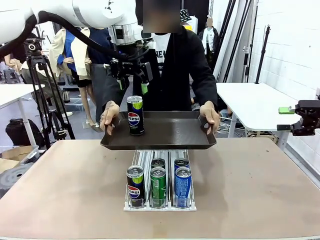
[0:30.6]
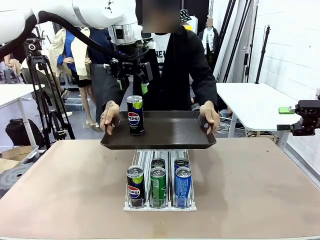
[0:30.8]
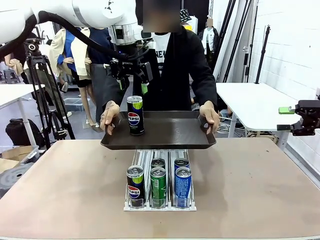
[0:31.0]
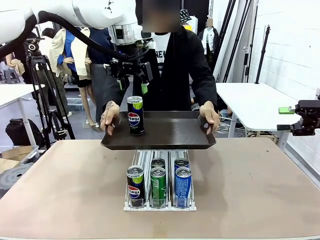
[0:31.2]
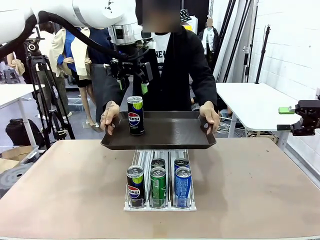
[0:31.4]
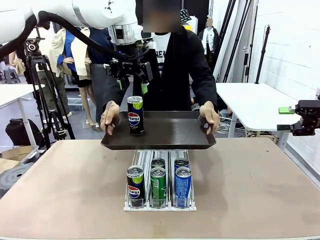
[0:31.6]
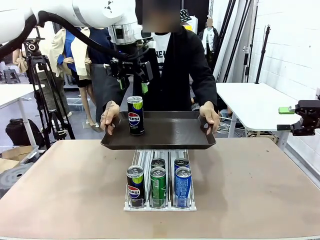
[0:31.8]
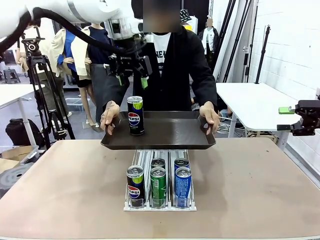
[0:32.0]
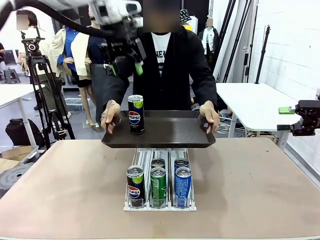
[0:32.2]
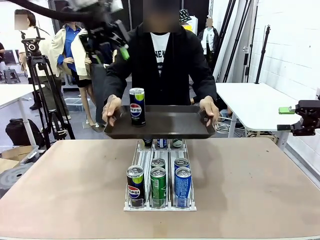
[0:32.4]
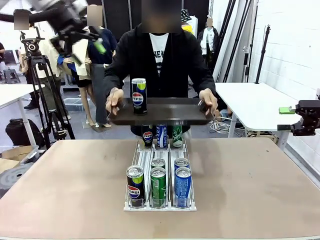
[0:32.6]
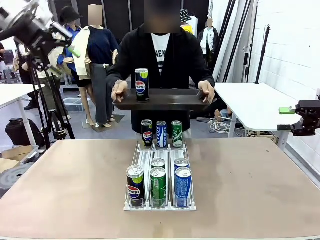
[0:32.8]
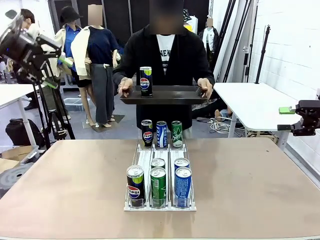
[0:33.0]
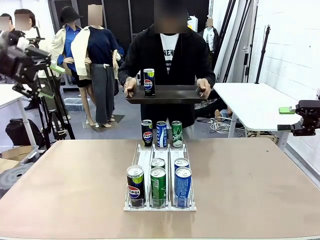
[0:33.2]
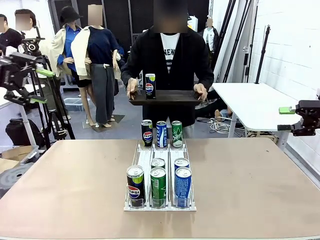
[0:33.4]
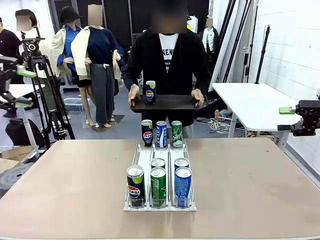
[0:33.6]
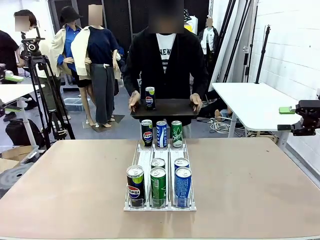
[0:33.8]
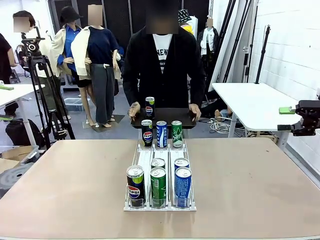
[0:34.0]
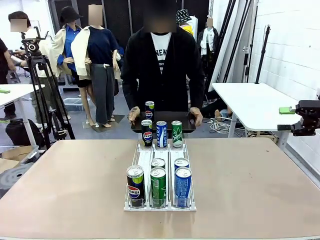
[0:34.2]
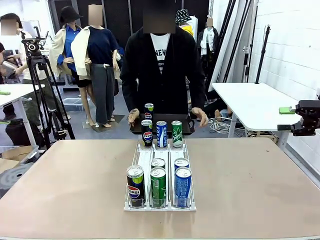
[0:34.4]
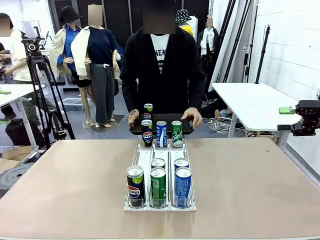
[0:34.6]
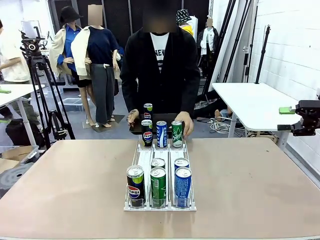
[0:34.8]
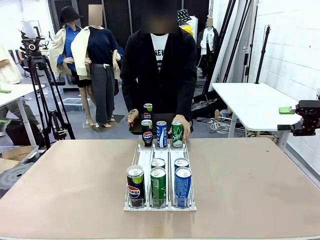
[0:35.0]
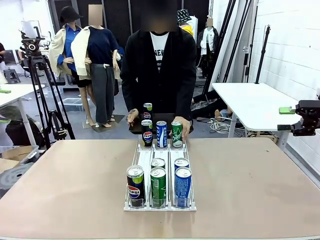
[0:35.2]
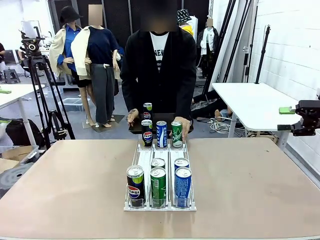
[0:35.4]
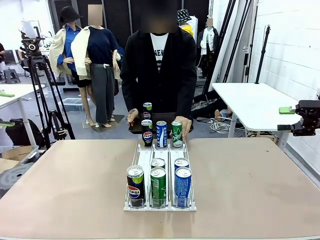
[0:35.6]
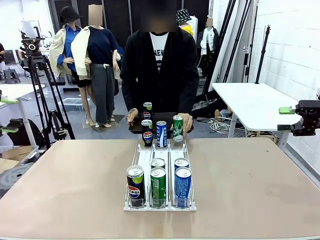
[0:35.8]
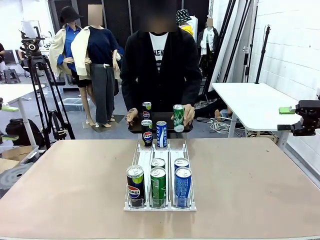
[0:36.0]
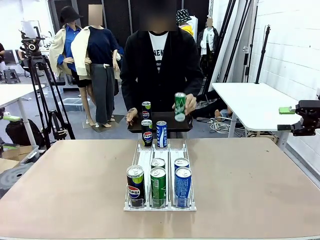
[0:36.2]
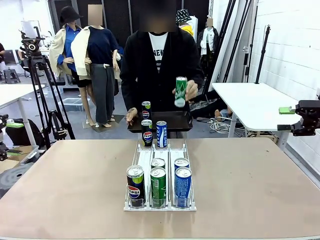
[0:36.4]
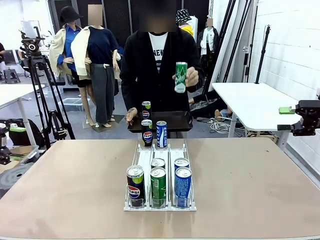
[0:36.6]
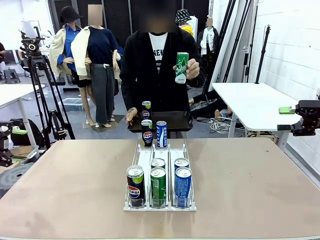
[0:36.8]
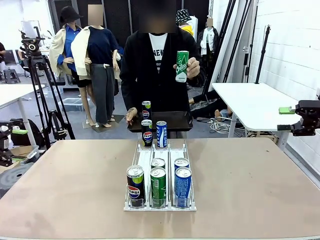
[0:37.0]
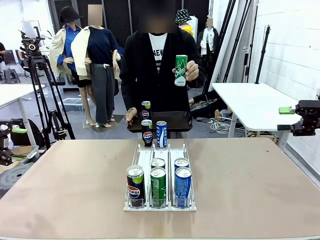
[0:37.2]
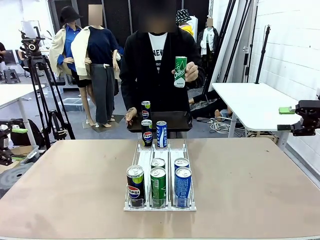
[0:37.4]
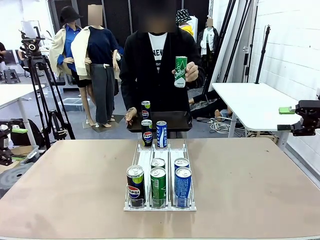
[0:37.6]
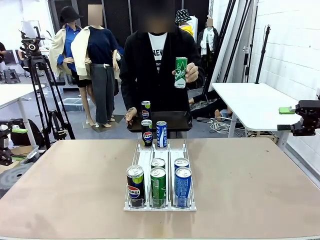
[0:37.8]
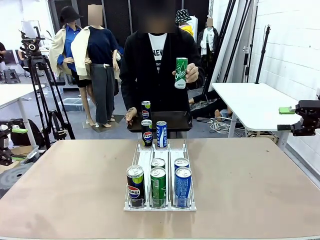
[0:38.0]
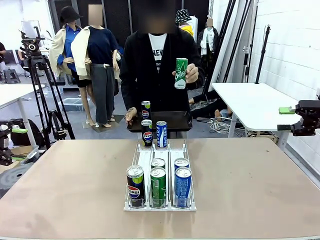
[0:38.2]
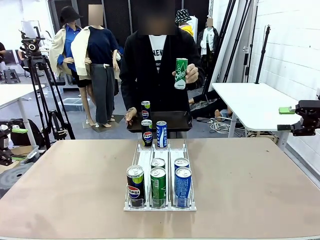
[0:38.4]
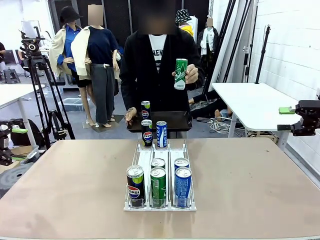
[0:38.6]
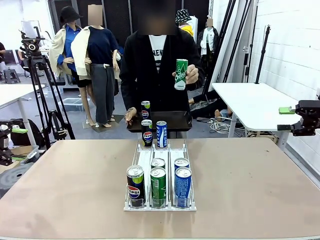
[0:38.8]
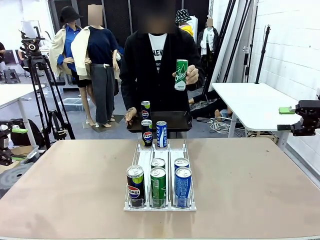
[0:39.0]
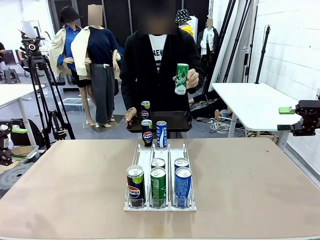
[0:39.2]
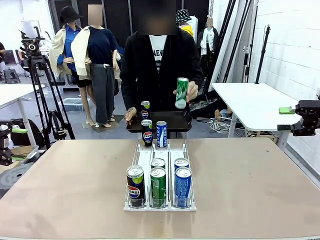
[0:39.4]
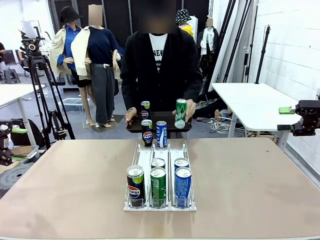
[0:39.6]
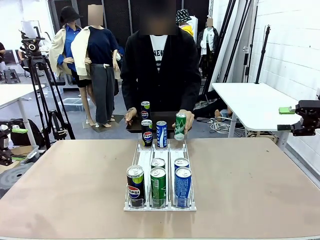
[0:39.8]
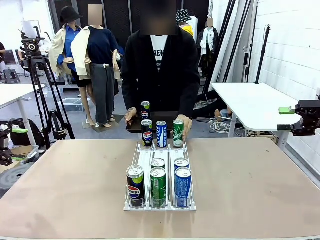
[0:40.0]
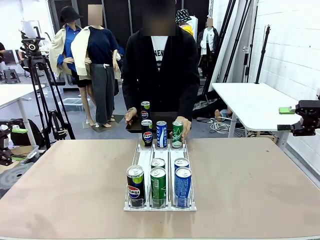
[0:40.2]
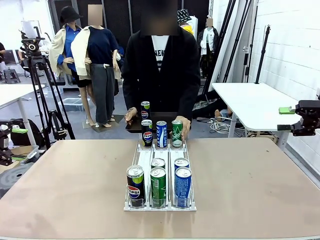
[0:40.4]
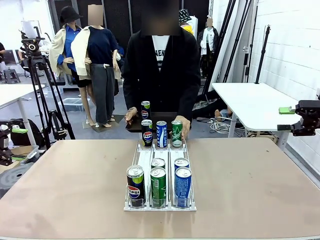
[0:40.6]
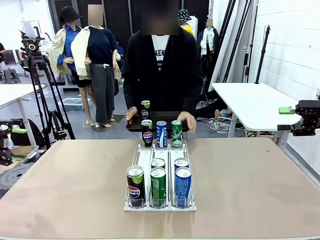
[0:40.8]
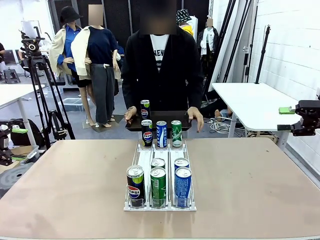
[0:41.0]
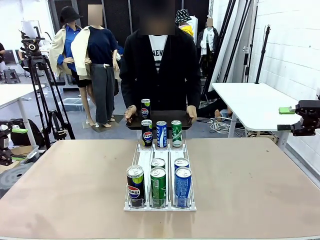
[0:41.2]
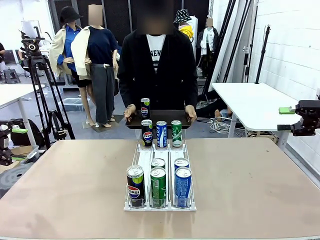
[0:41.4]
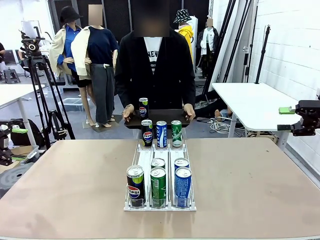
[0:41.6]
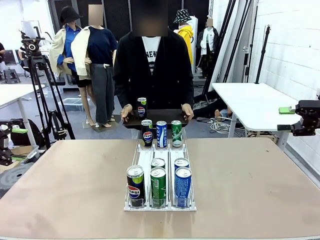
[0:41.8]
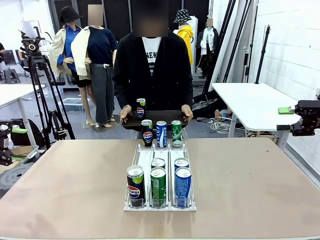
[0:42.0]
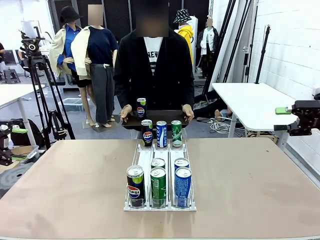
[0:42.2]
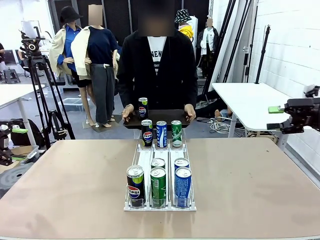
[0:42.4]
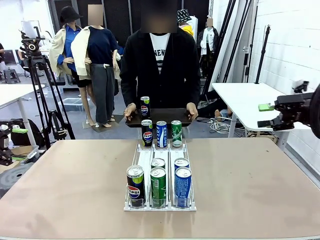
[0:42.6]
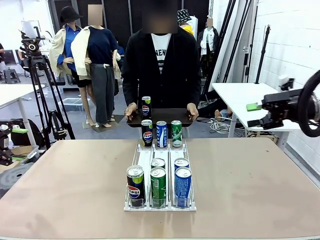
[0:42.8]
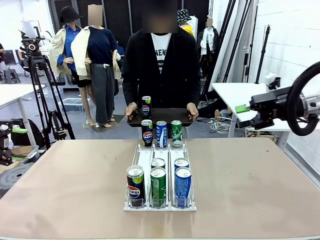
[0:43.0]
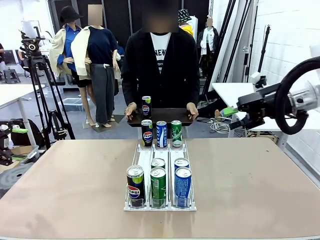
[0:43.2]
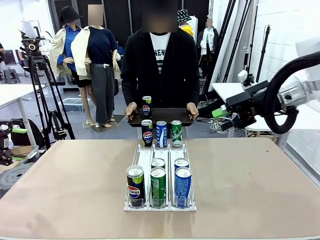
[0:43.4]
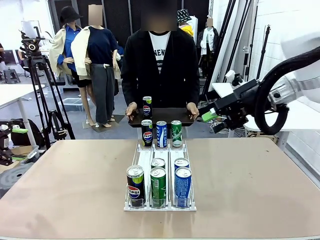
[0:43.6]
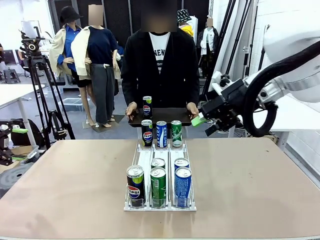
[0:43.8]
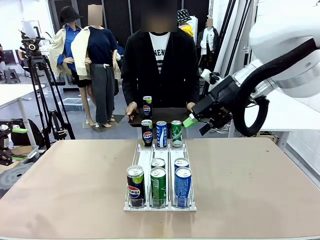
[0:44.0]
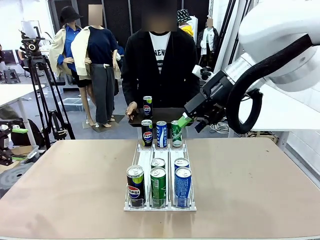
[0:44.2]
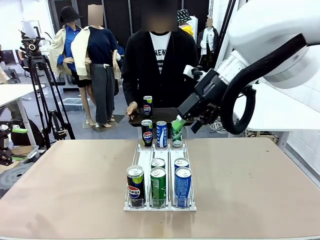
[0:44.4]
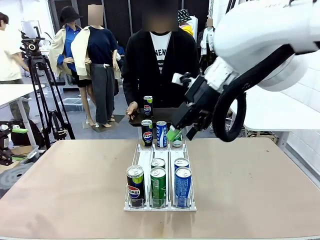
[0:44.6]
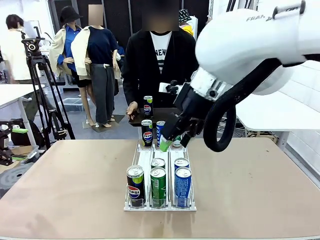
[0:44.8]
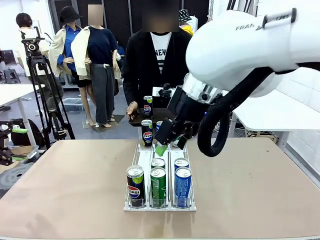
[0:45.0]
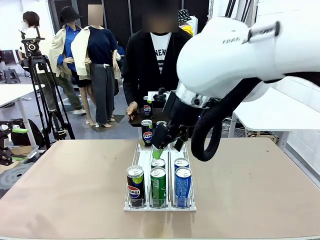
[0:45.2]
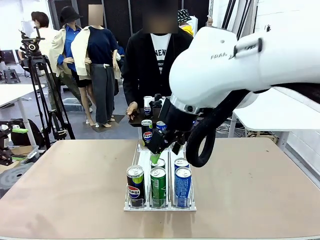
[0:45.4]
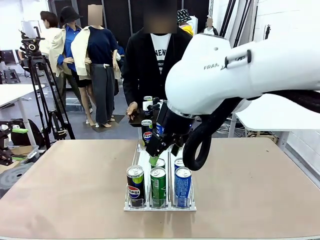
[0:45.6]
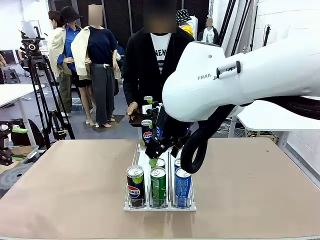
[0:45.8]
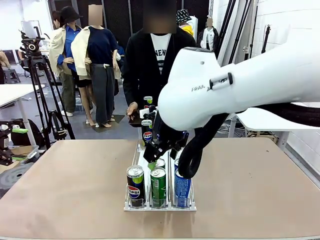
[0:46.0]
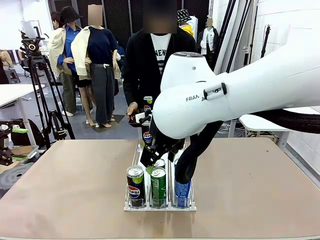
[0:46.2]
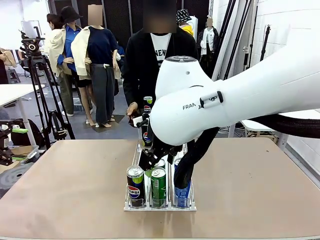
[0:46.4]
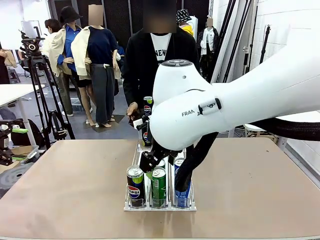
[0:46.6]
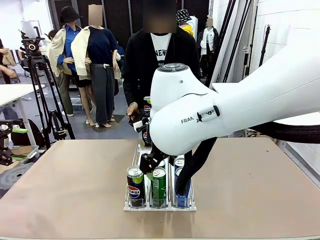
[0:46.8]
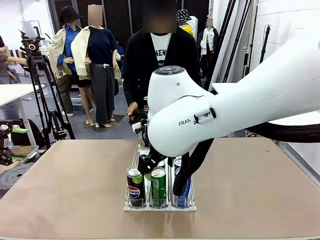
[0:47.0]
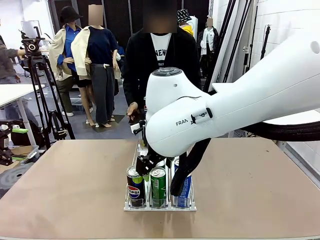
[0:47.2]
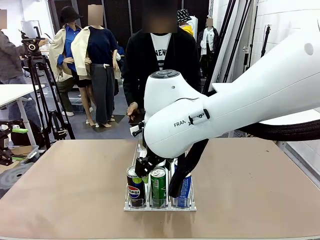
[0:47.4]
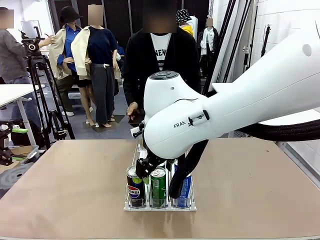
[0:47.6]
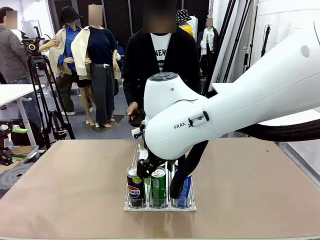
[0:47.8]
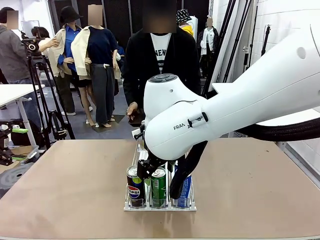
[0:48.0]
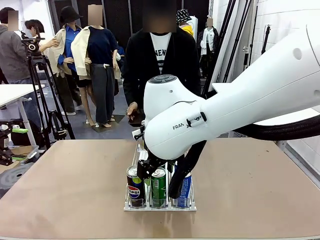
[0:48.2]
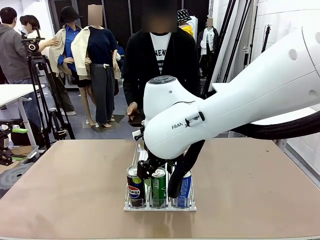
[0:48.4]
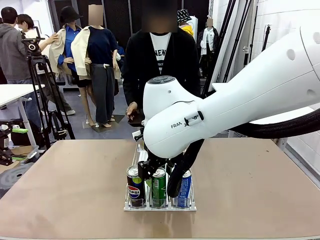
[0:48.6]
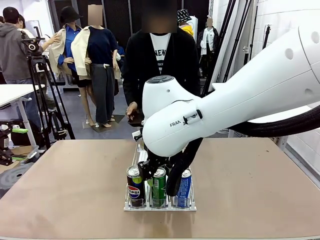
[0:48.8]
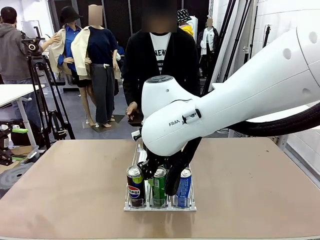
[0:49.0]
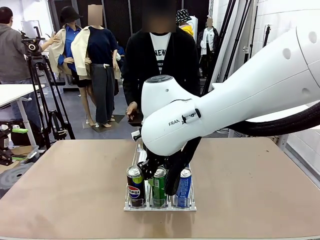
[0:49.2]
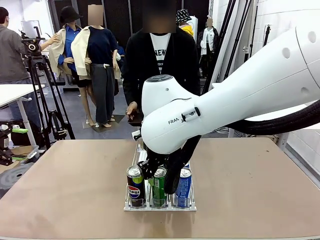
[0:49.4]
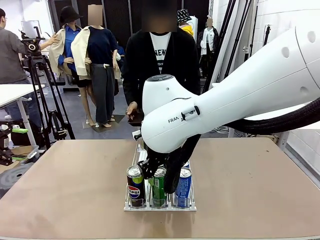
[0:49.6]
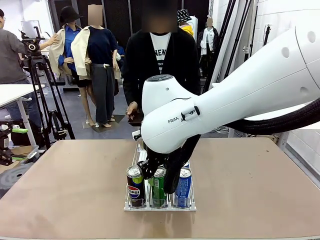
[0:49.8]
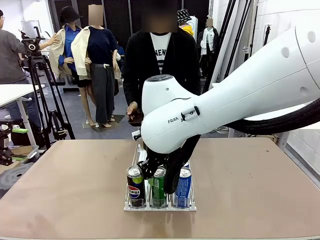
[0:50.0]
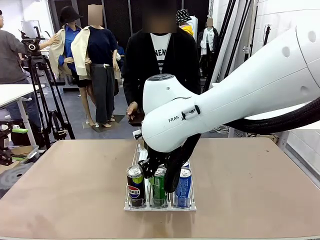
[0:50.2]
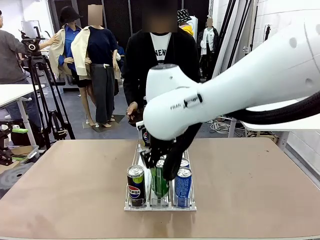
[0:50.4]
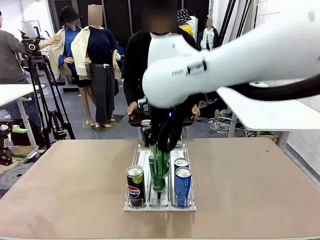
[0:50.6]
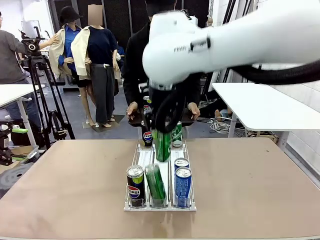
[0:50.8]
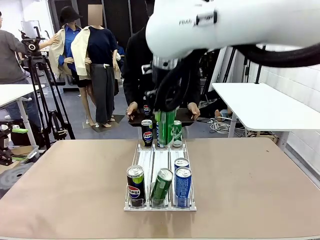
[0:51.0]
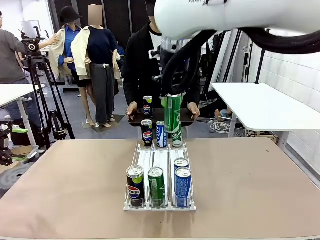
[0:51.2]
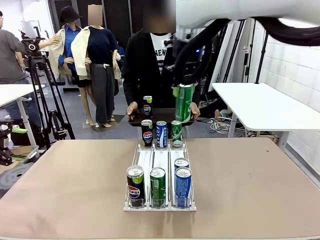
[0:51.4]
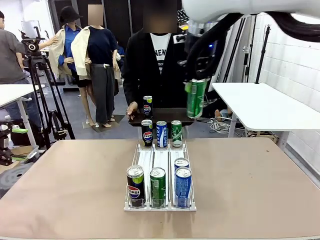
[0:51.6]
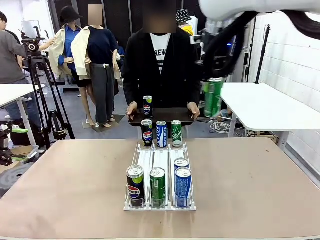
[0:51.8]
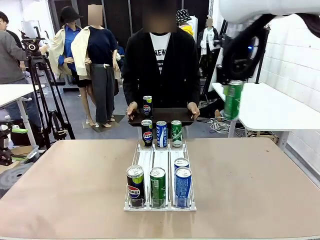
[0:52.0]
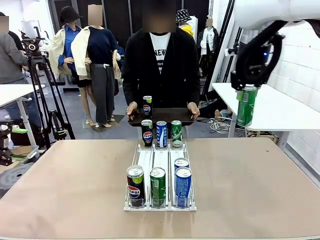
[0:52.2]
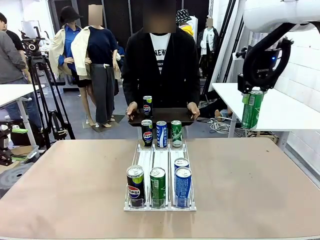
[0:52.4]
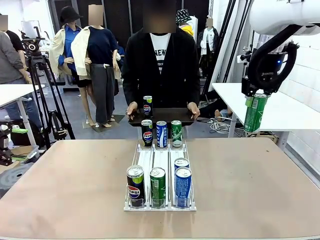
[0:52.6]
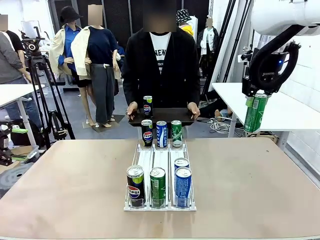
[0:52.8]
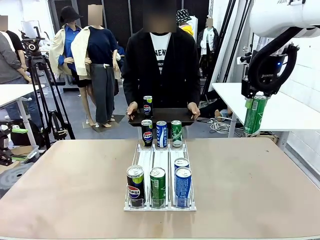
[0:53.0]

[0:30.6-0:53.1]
Task: Retrieve and hand over the desired beverage to the person.
Robot: Pick up another can of the same type that the person held from the Automatic Can Dispenser.
Person: Pull the tray back, then pick up another can from the bottom area of the table and puts it back in its original place. Push the tray toward the robot again.
